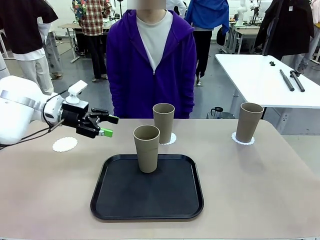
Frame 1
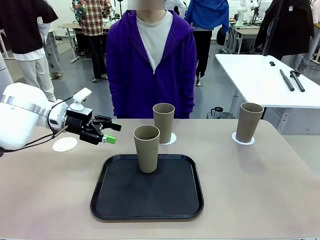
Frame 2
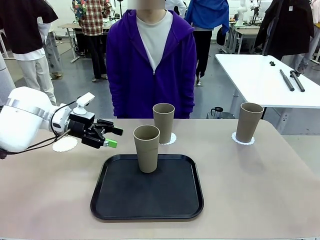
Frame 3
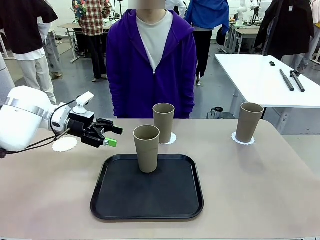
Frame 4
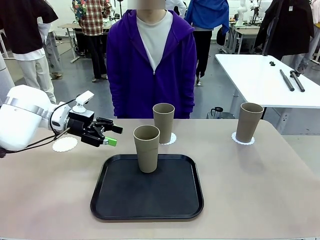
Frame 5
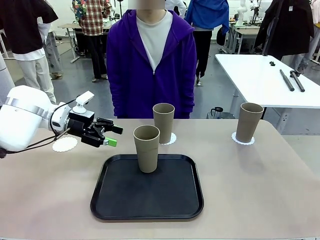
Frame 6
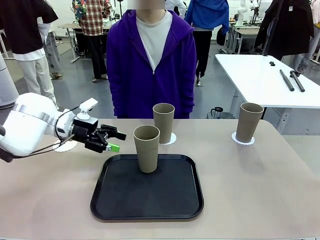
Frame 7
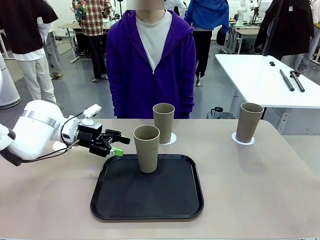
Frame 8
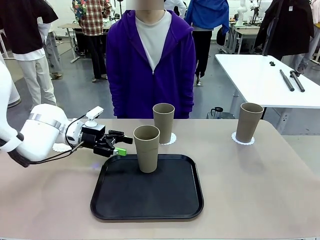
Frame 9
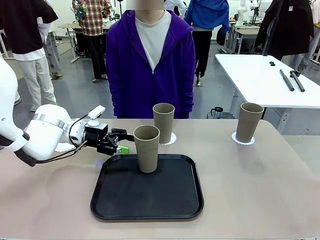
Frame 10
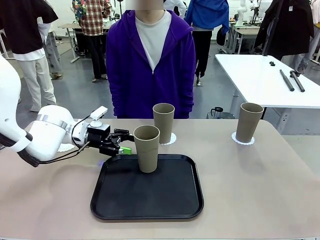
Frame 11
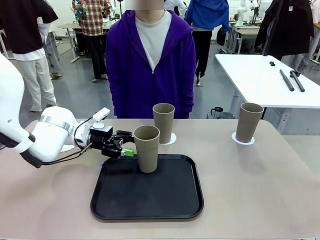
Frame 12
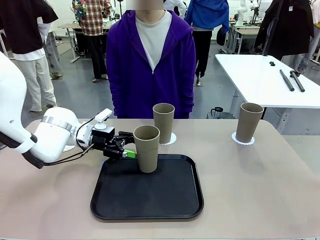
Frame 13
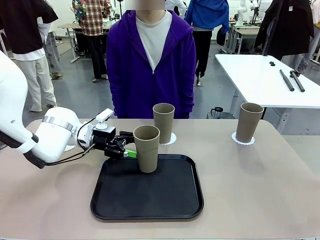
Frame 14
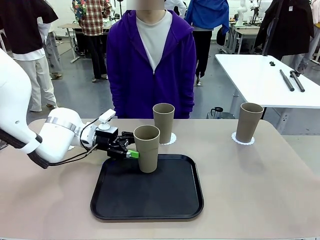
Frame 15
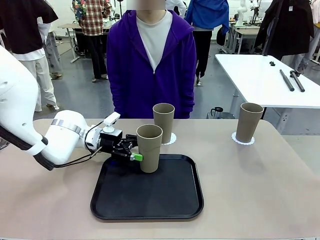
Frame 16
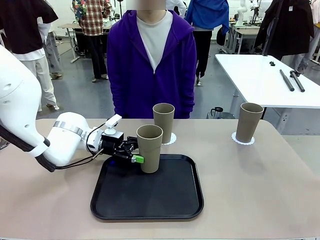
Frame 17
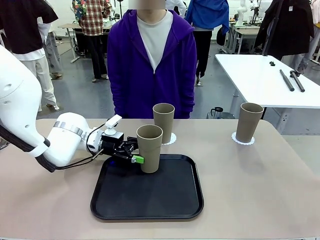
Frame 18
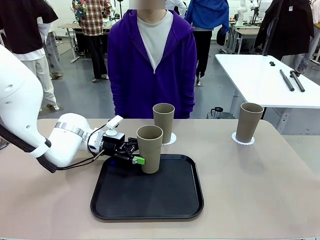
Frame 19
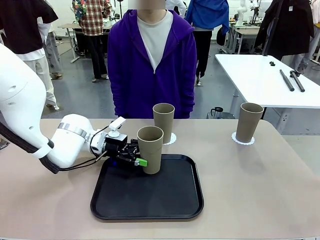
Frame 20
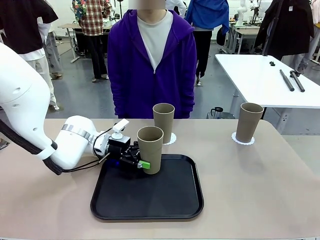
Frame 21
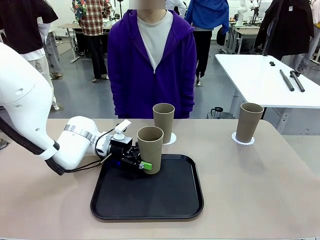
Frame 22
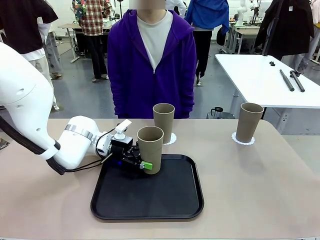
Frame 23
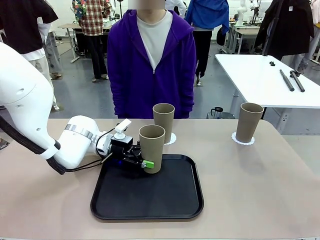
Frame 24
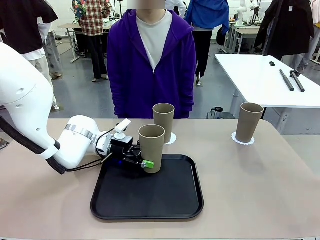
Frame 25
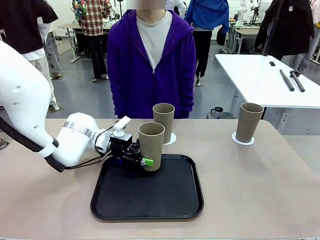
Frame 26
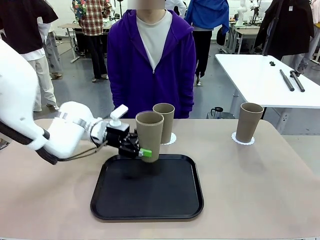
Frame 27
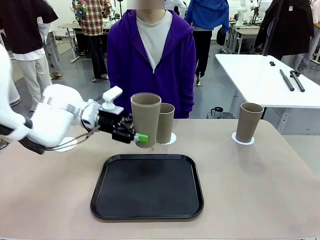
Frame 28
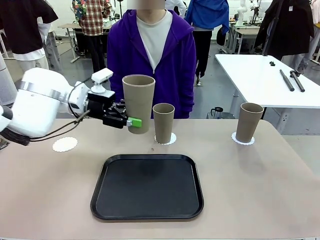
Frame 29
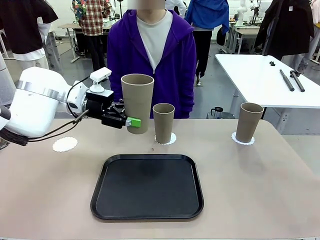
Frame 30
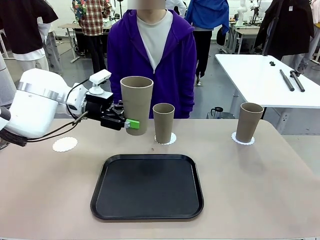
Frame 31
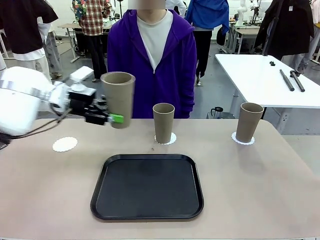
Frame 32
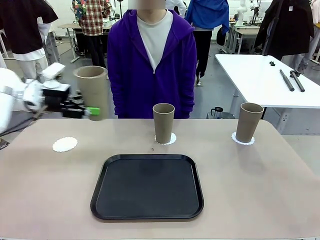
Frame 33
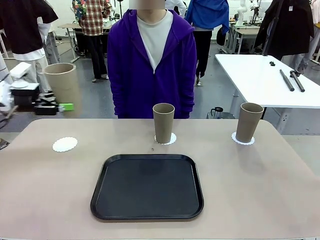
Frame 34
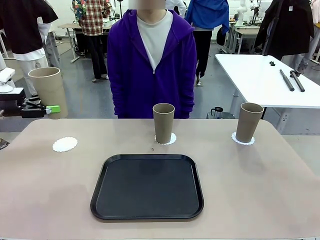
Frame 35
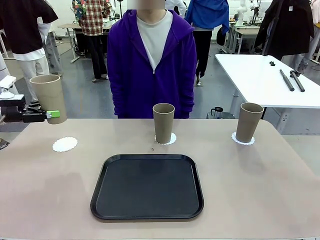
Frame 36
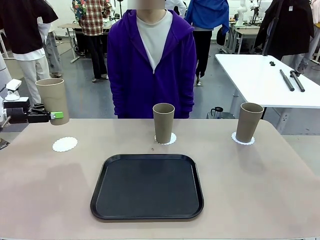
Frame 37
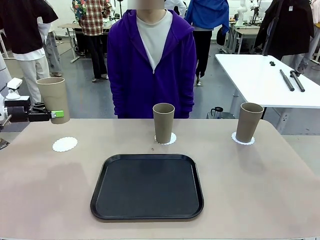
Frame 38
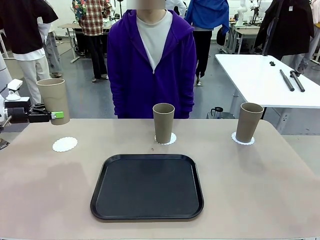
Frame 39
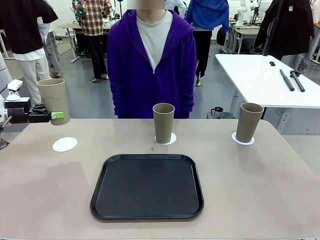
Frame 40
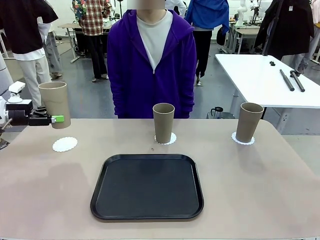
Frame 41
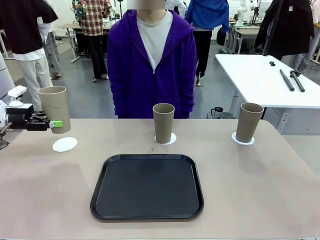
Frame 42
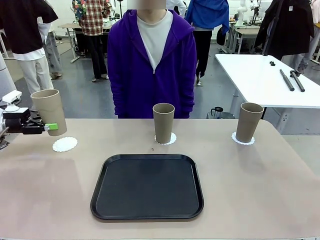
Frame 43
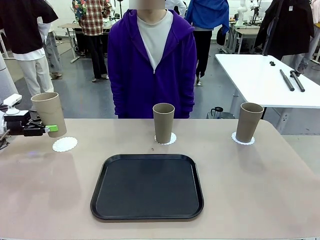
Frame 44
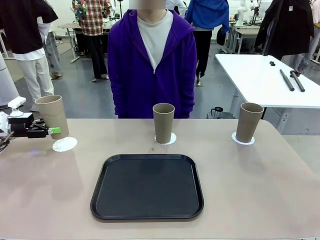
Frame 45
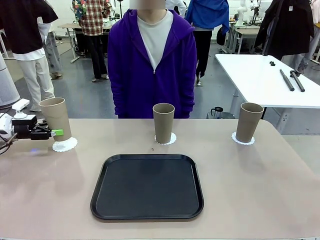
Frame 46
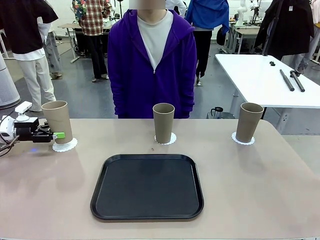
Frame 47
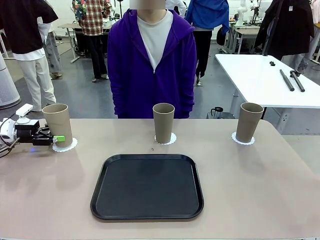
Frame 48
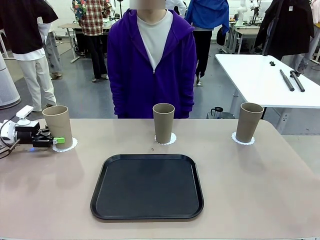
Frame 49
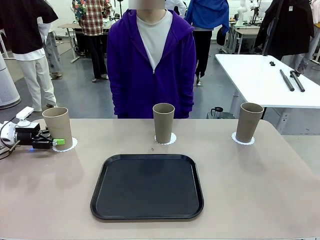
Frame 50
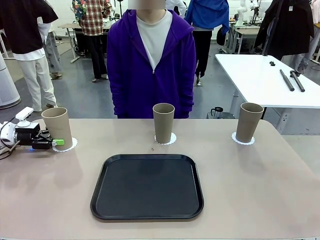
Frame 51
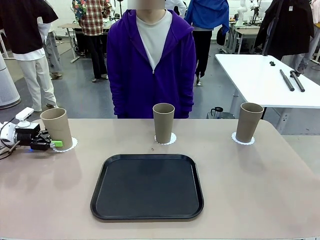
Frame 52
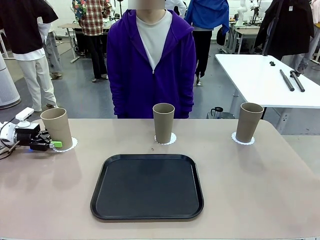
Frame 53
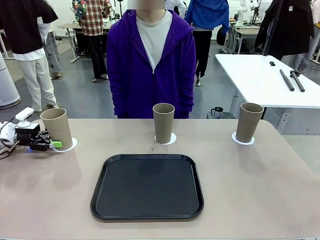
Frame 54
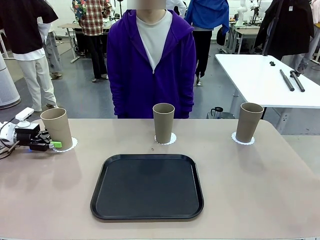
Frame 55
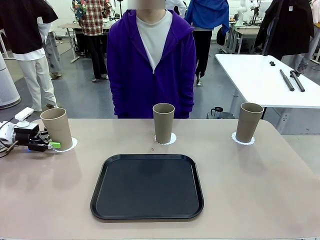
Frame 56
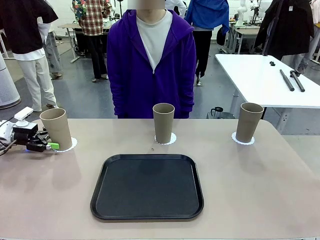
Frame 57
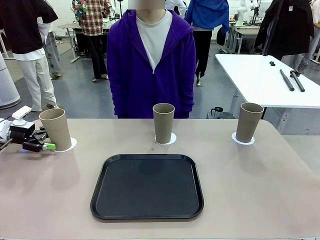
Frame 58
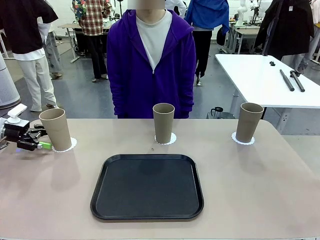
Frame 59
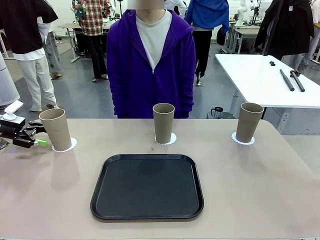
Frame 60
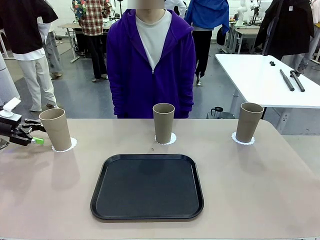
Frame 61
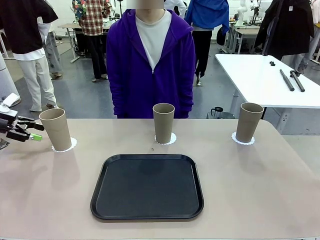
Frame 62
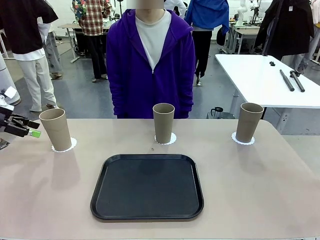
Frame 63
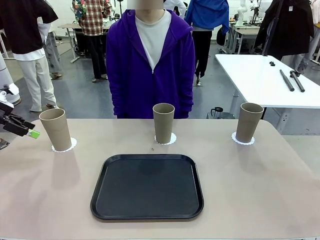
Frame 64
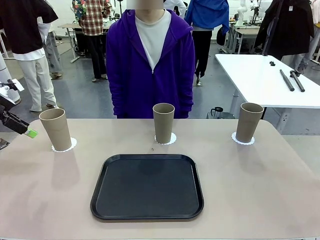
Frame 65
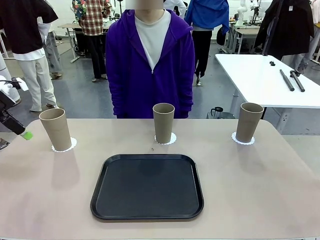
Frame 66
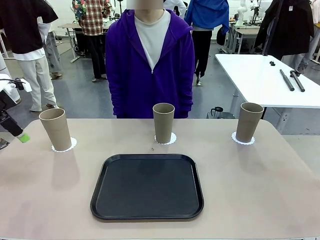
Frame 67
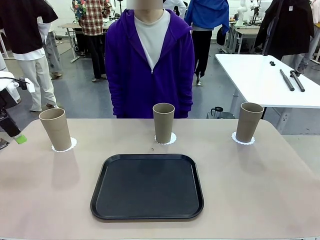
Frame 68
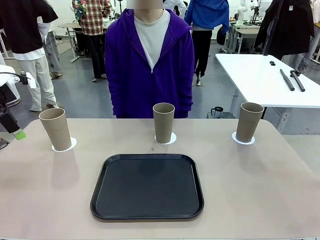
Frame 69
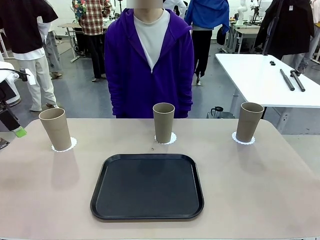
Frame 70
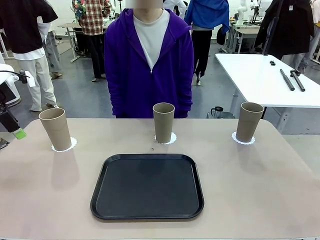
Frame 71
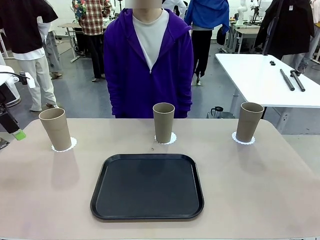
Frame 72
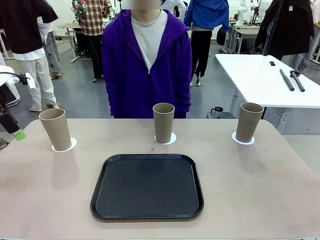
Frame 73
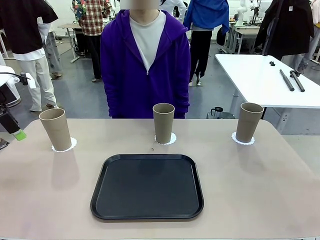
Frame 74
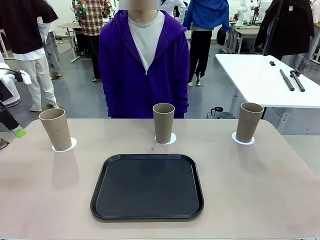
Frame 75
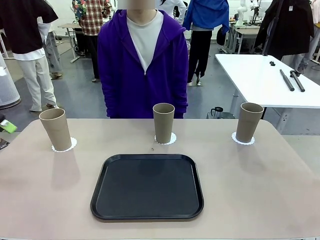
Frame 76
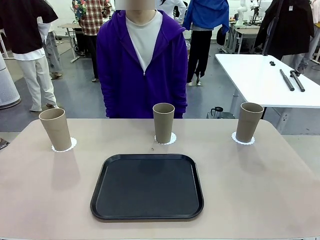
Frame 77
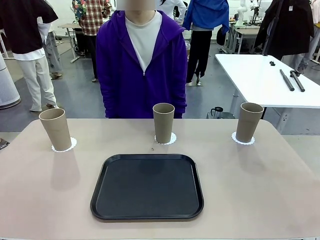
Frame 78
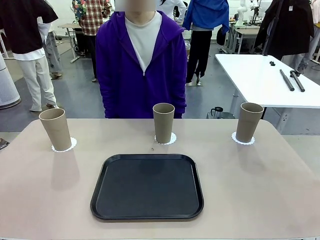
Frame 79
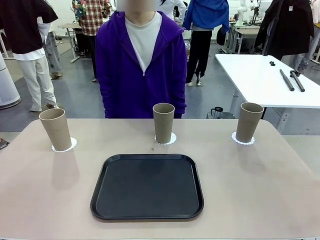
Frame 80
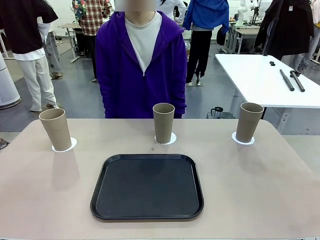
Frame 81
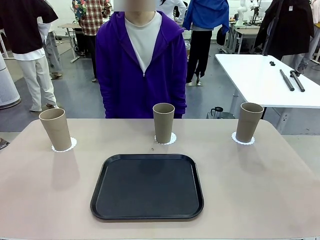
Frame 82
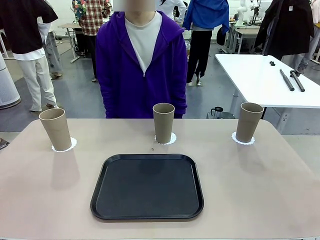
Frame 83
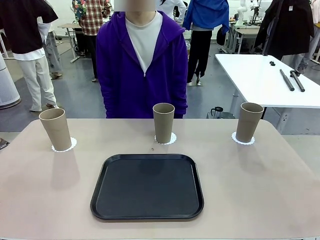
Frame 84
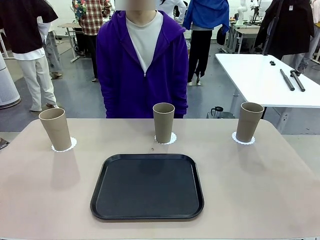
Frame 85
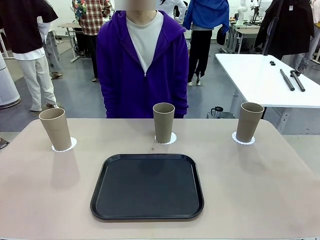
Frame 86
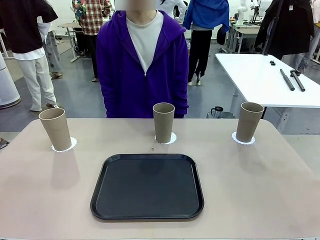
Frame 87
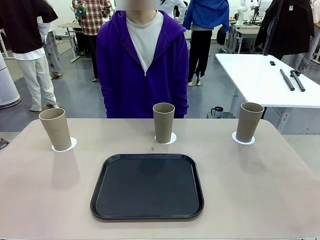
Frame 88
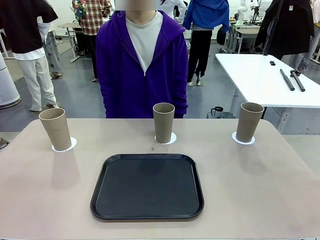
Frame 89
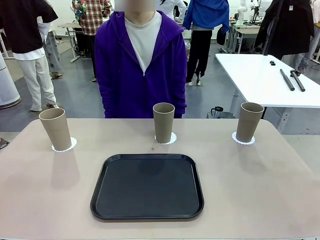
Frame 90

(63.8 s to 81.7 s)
Task: Place coasters on the table and set cups on them.
Robot: Take one Reusable plastic cup from the Flat Tray and place it on a coaster set by the human.
